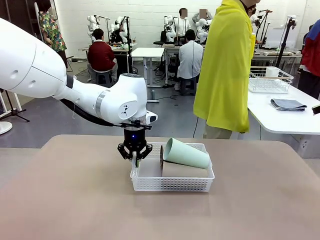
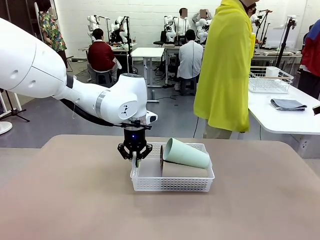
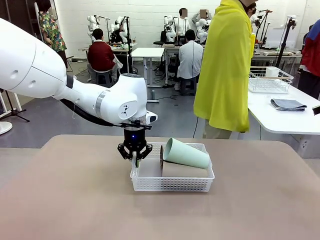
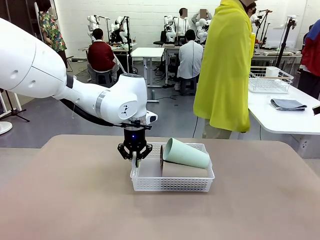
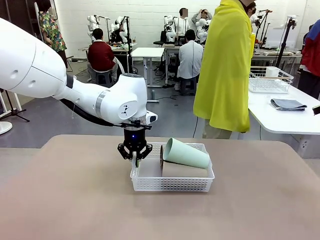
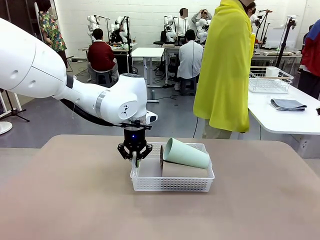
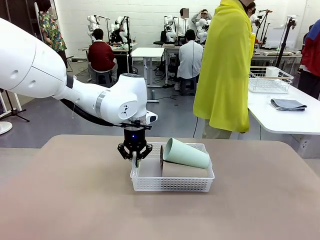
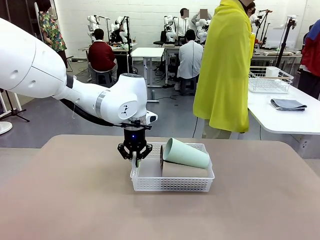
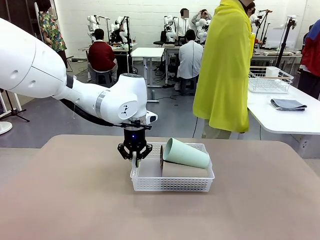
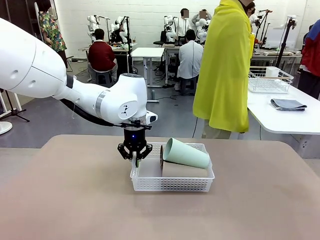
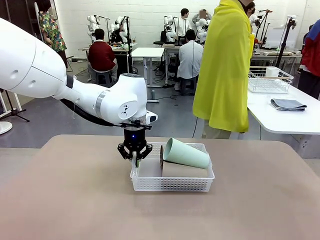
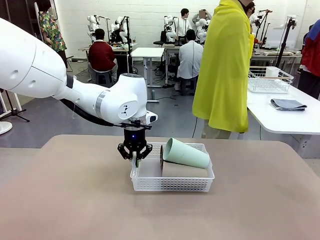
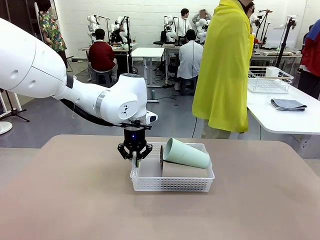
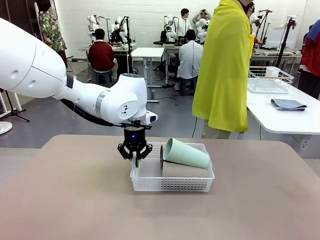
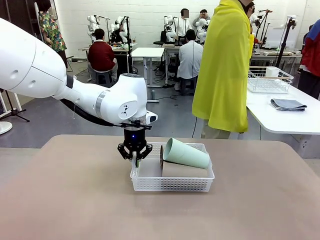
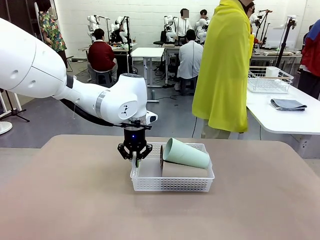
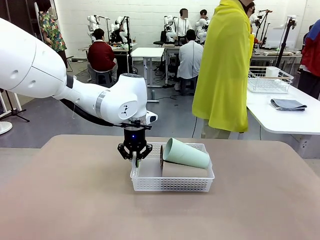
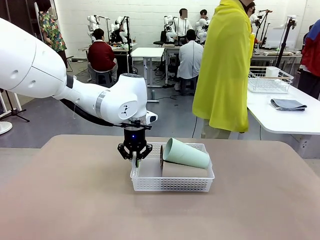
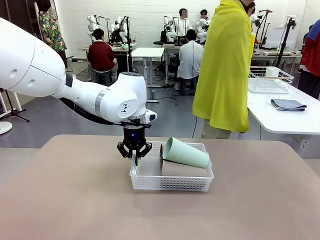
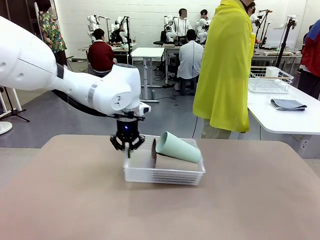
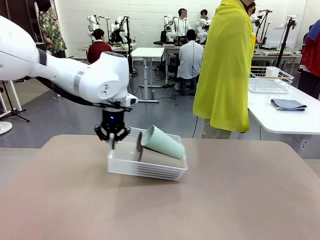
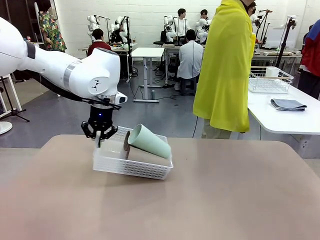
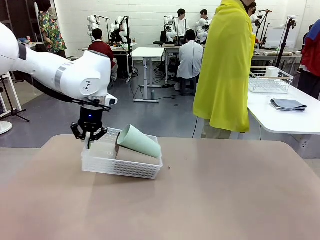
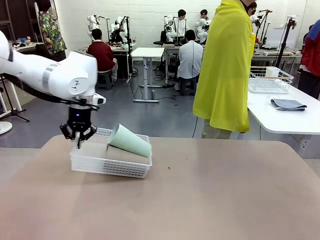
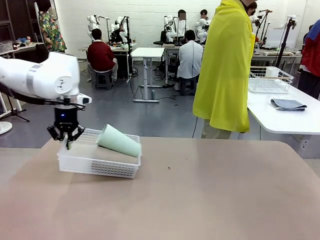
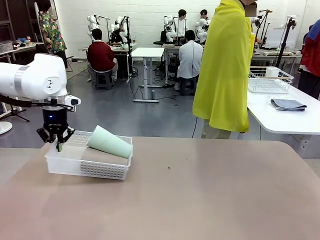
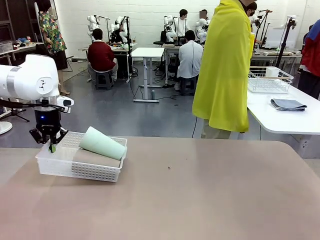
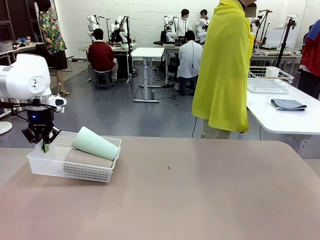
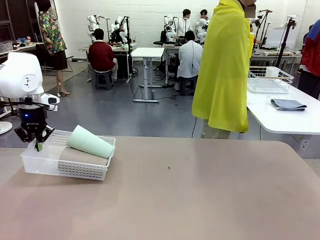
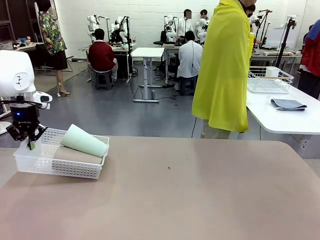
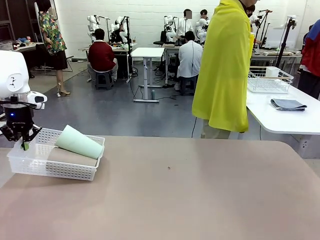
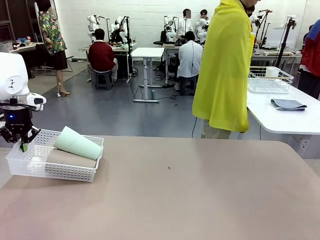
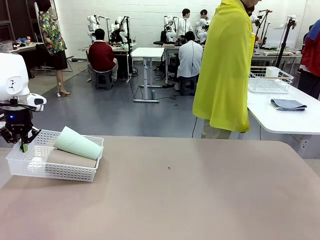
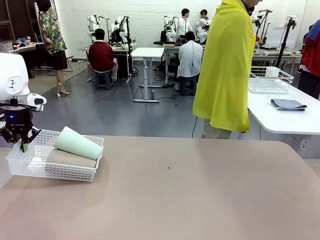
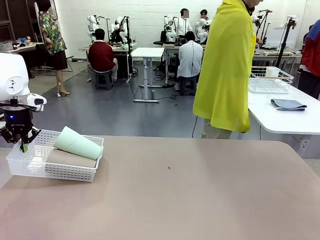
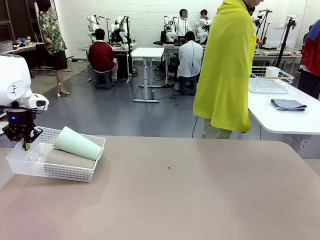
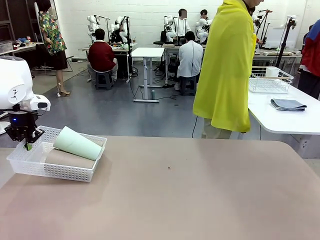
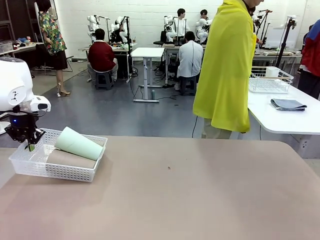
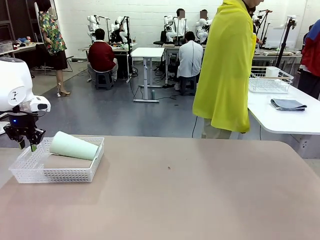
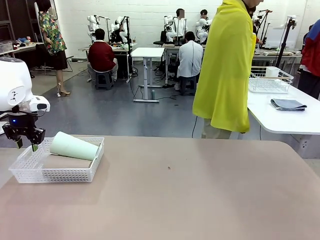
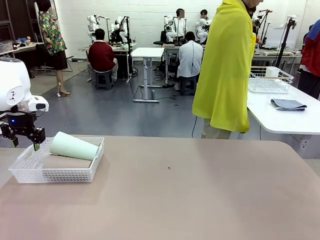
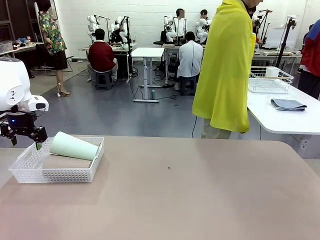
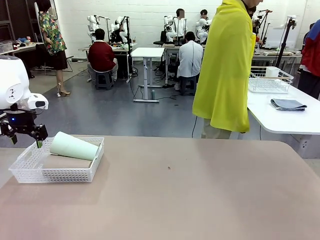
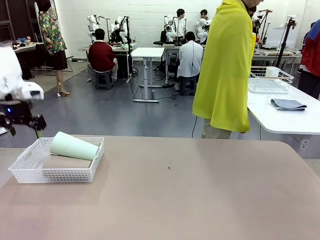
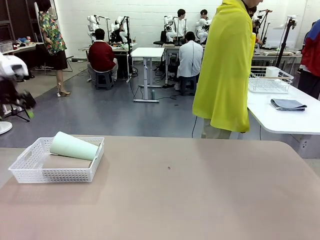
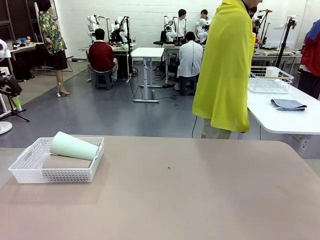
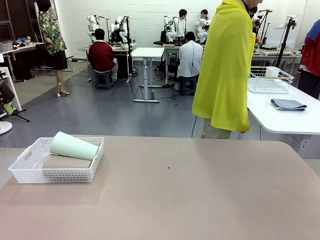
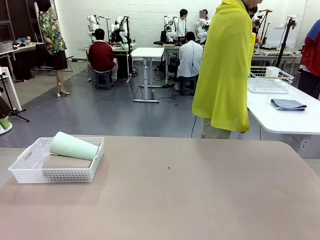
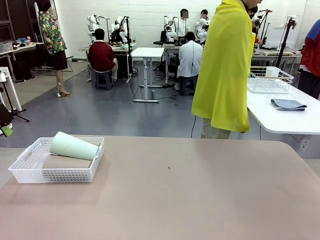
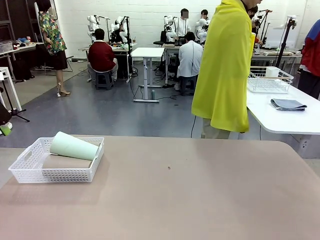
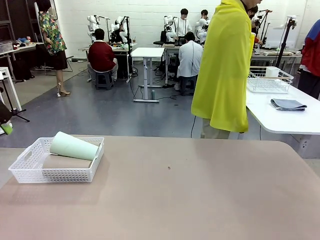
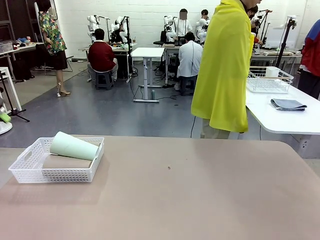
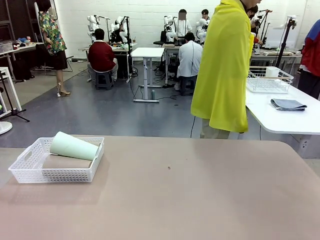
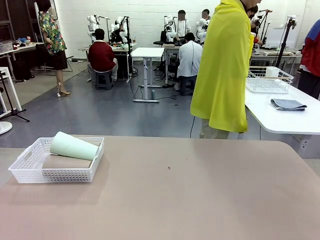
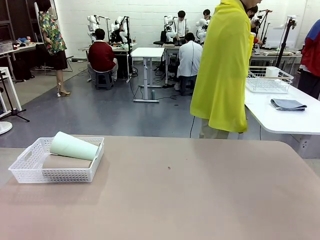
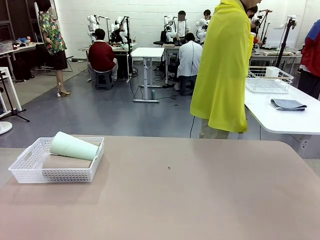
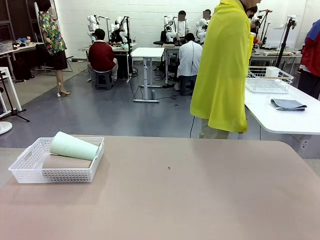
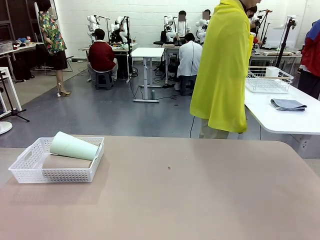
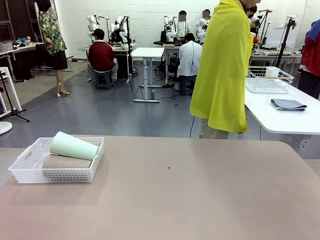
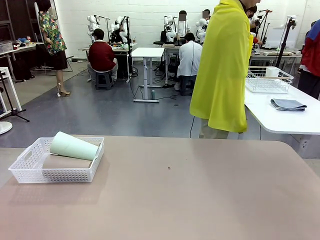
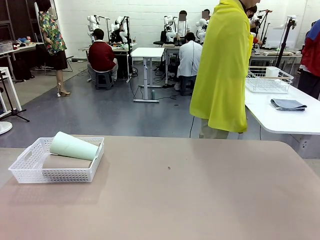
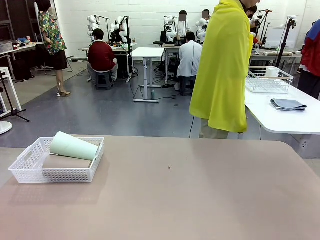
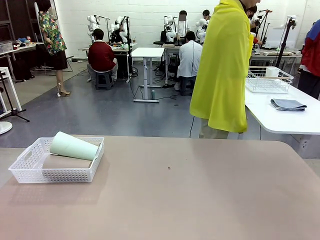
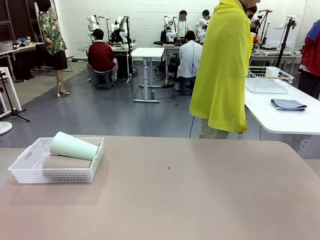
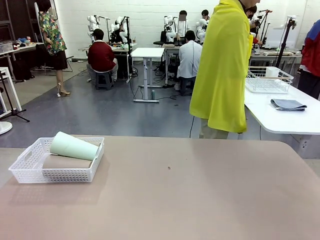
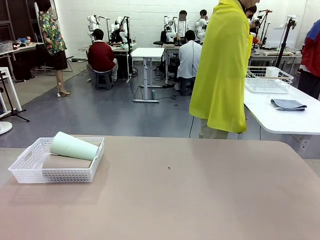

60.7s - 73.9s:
Task: Clean and organize the cups into the basket.
Robot: Move the Organizing basket back to the left side of the table.
Person: Folds the towel in half twice and places it in the right of the table.

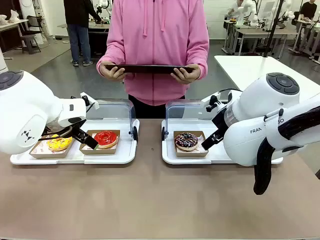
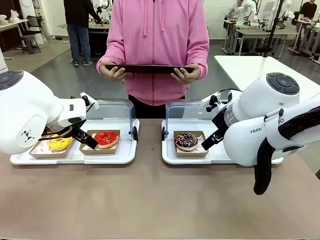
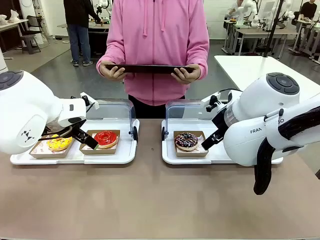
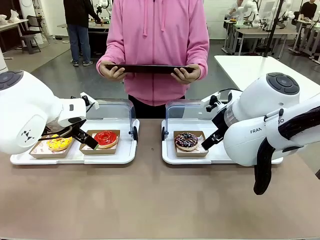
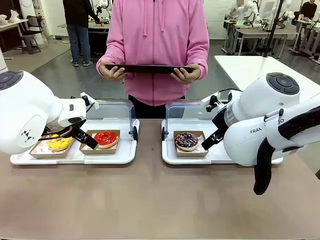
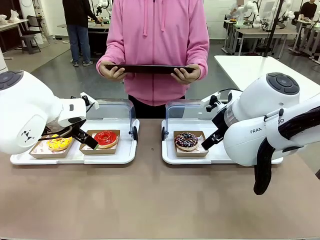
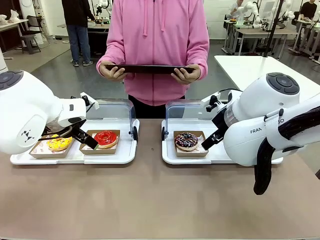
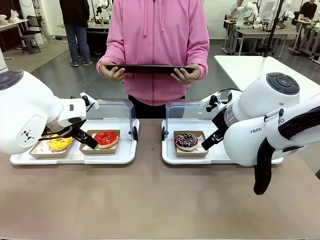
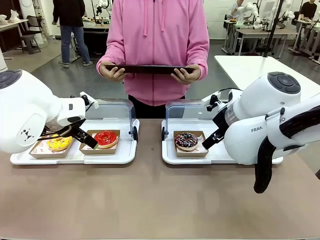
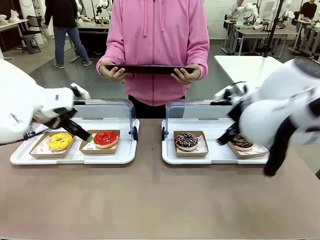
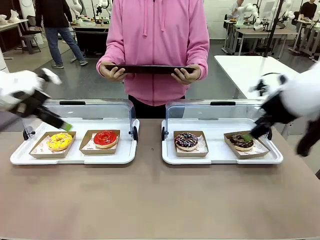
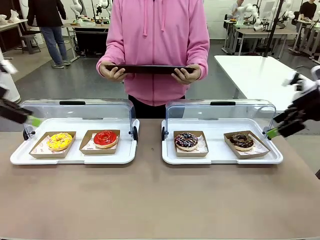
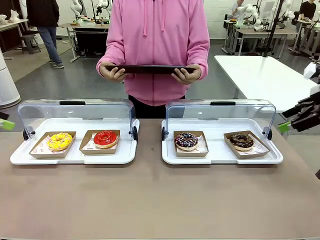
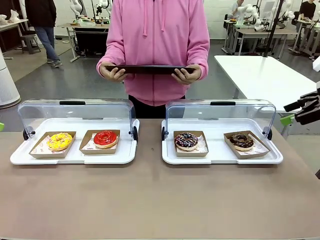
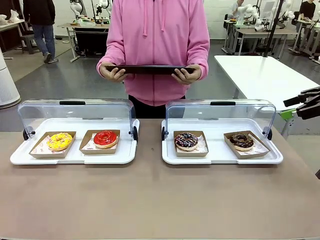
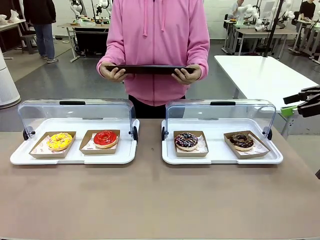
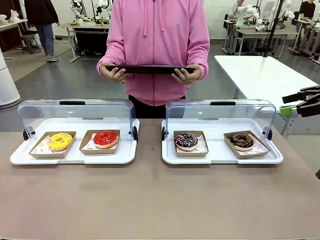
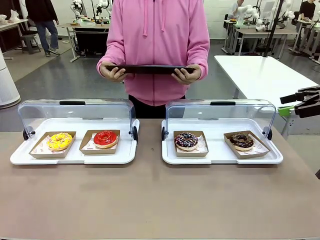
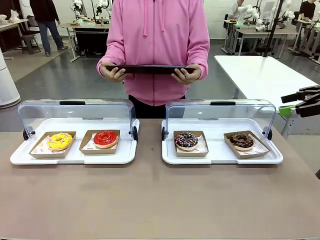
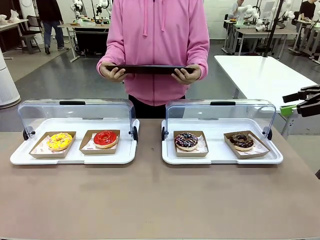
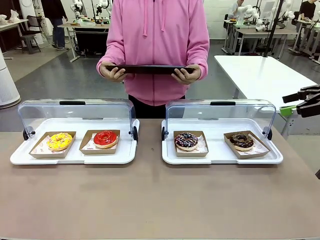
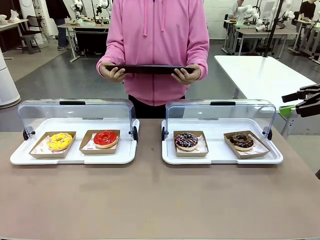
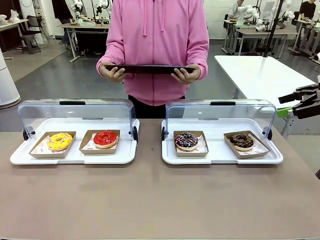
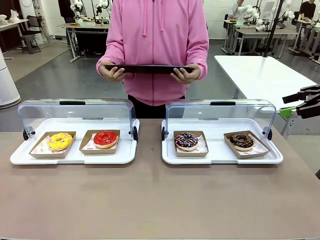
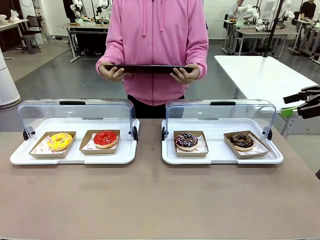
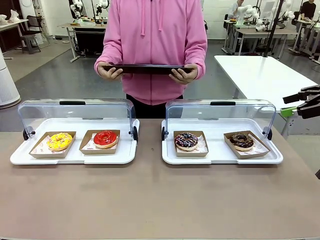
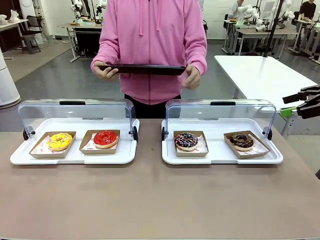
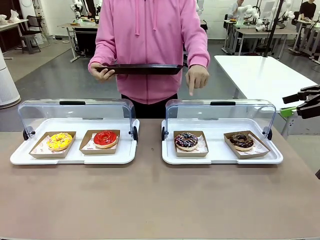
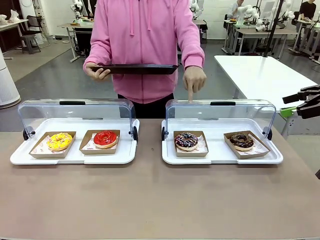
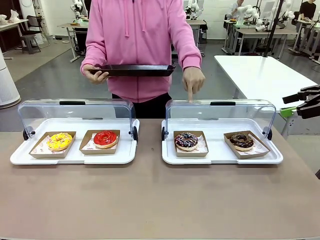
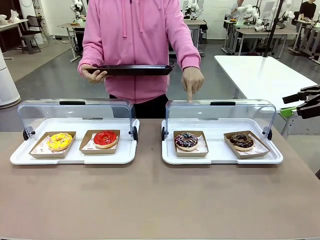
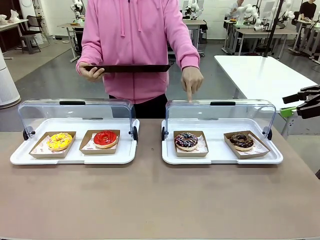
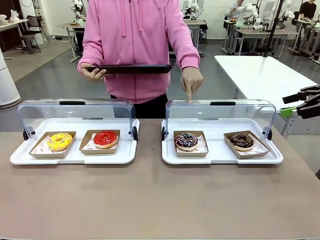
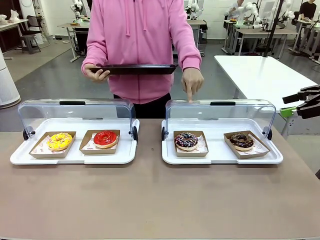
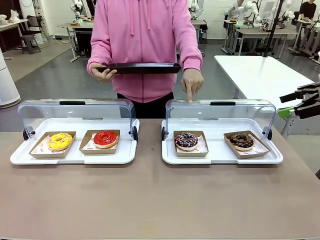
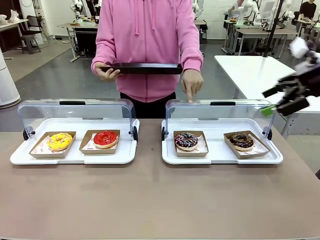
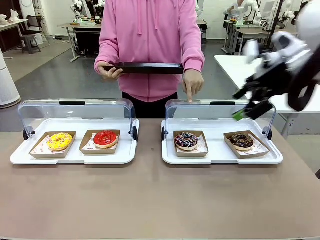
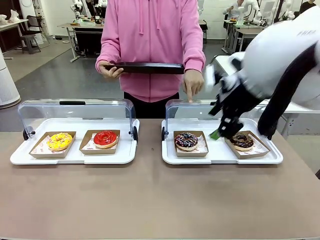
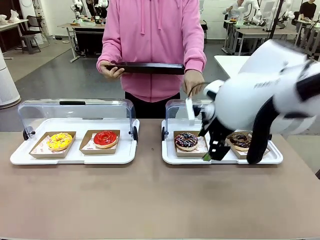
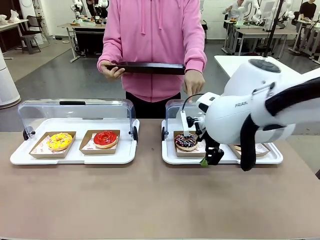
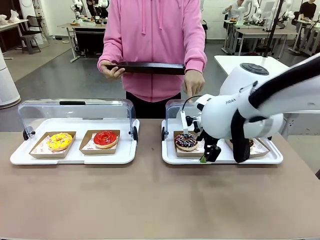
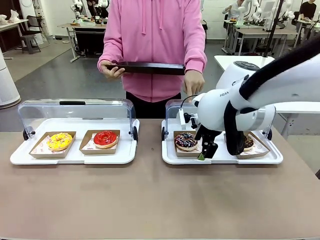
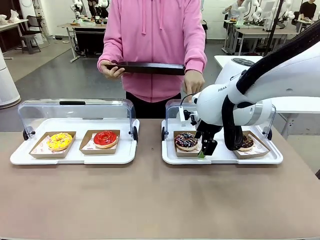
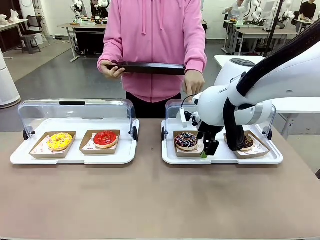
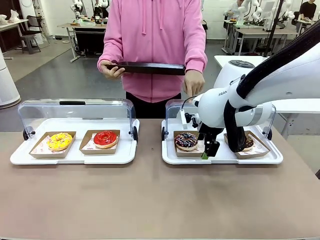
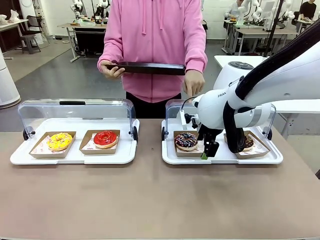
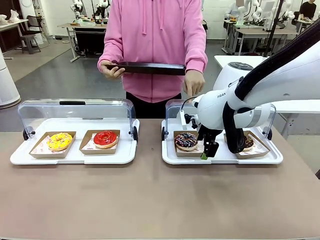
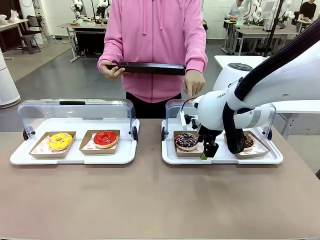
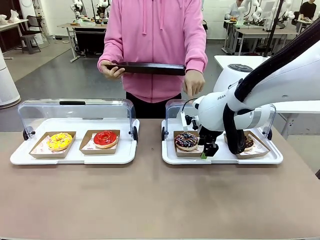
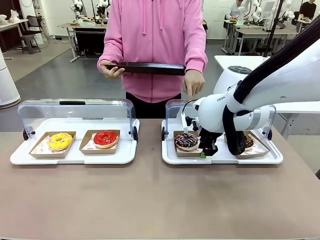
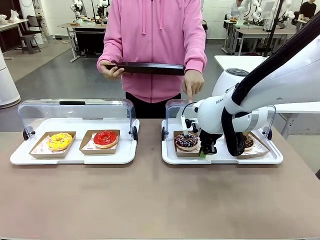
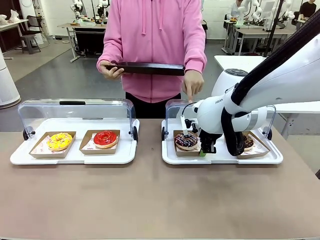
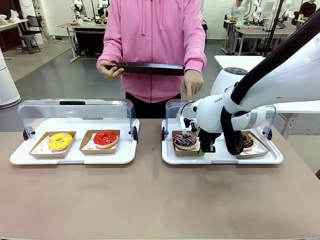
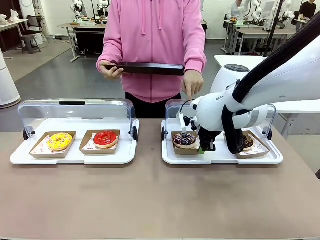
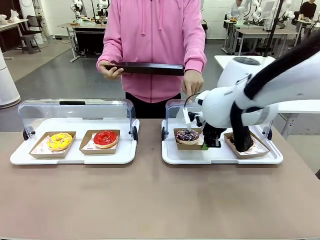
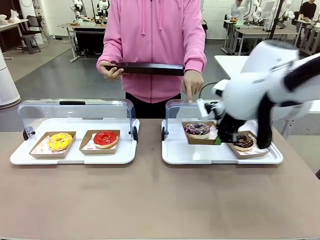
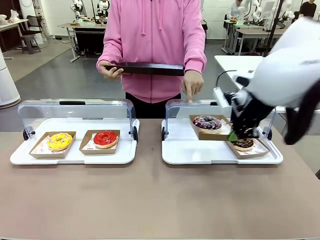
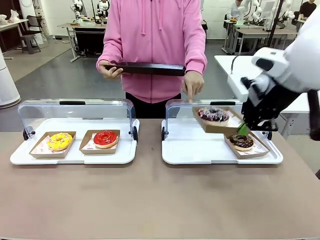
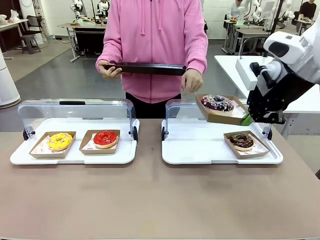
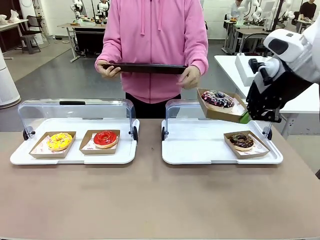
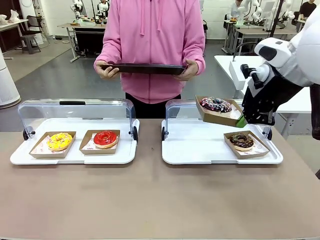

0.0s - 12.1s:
Task: Provide the desired donut to the person.
Robot: Pick up and lift the Paper togo box containing the Donut pointed at by the person.
Person: Point to one donut. Lift the tray onto the Roll-Top Bakery Case.
